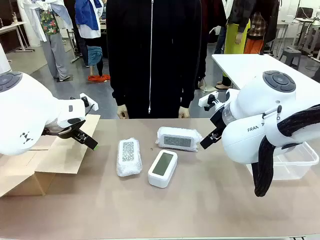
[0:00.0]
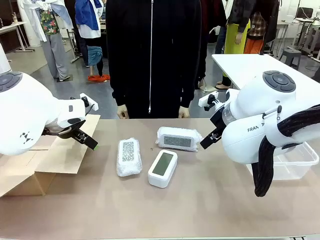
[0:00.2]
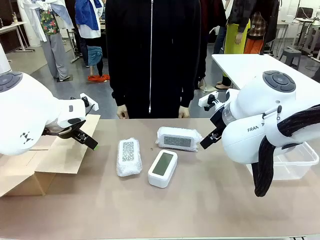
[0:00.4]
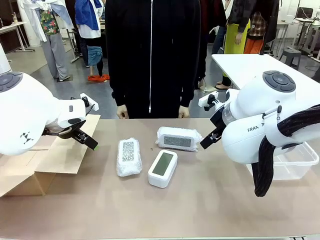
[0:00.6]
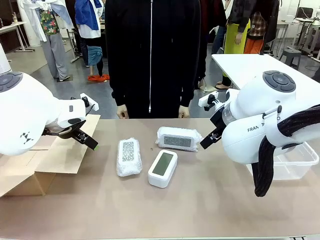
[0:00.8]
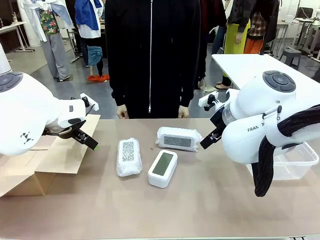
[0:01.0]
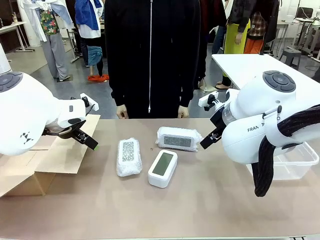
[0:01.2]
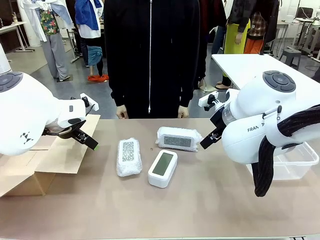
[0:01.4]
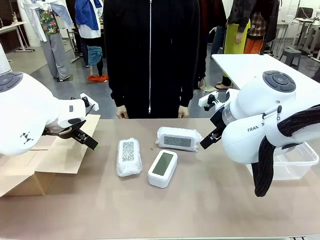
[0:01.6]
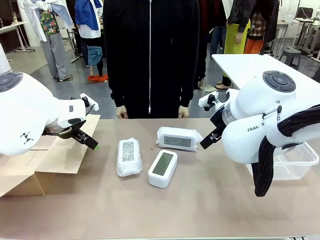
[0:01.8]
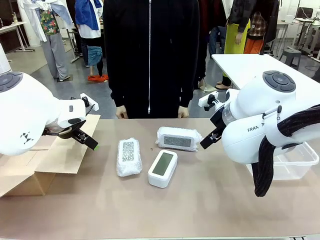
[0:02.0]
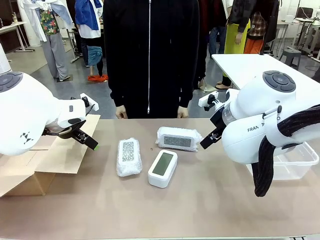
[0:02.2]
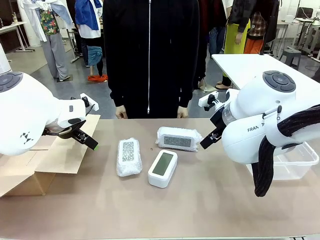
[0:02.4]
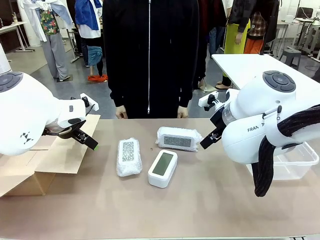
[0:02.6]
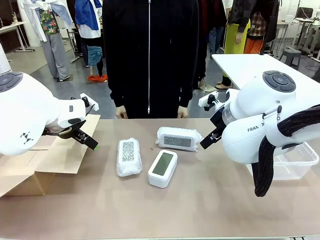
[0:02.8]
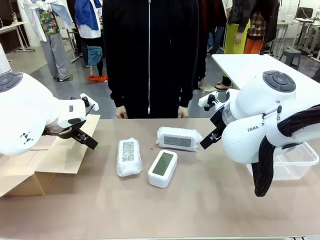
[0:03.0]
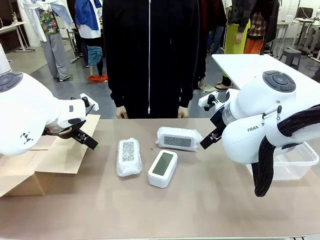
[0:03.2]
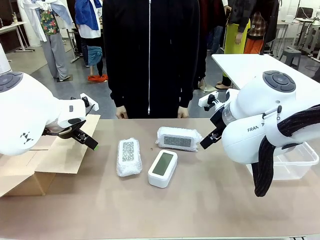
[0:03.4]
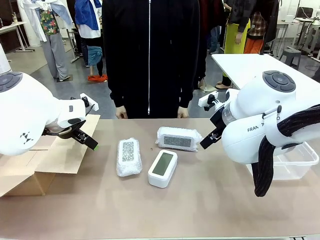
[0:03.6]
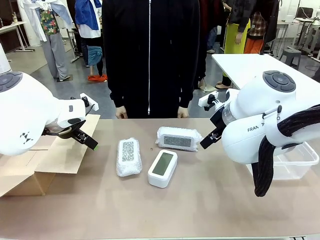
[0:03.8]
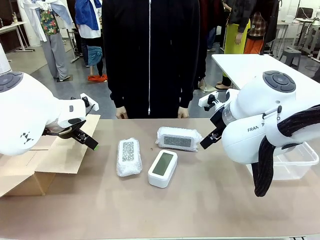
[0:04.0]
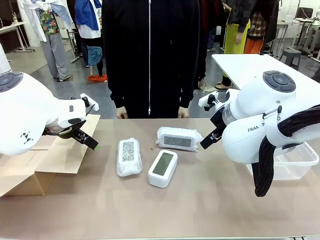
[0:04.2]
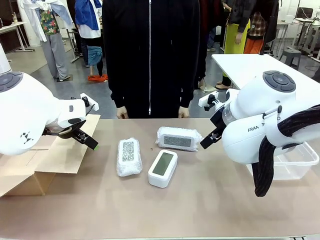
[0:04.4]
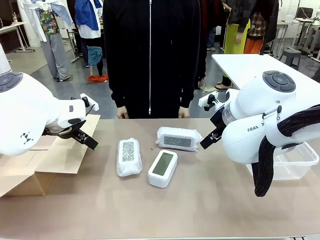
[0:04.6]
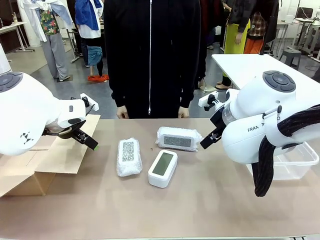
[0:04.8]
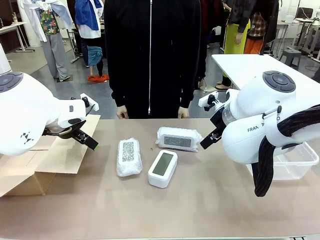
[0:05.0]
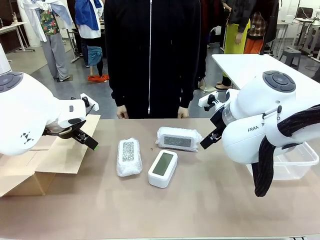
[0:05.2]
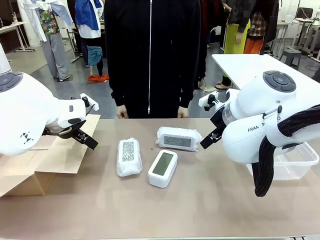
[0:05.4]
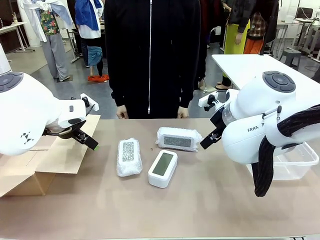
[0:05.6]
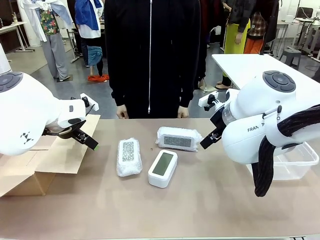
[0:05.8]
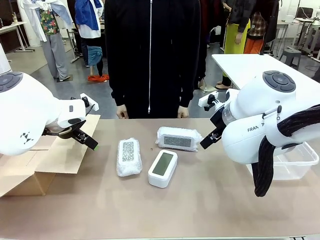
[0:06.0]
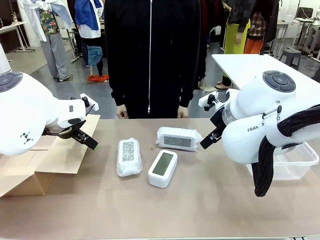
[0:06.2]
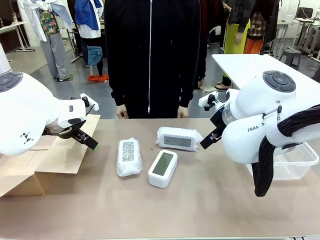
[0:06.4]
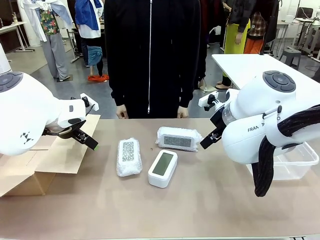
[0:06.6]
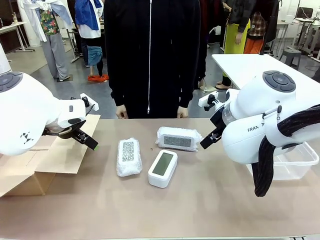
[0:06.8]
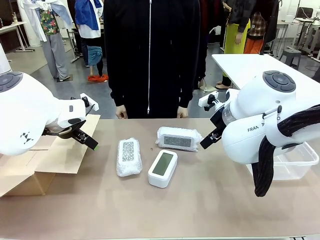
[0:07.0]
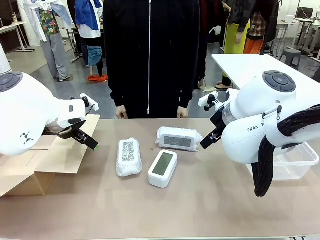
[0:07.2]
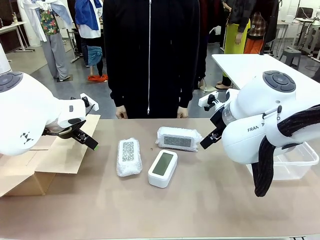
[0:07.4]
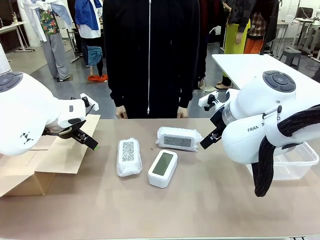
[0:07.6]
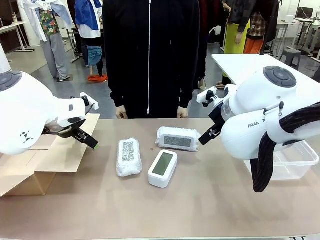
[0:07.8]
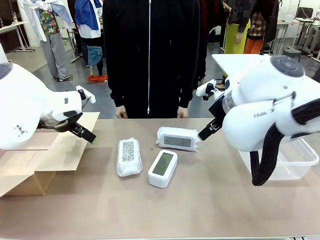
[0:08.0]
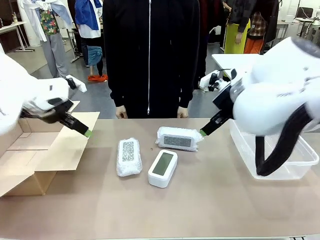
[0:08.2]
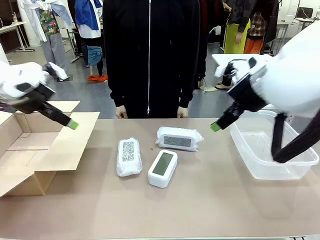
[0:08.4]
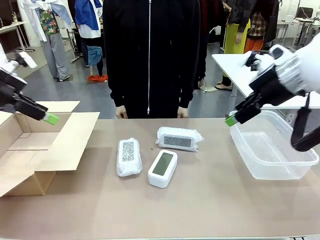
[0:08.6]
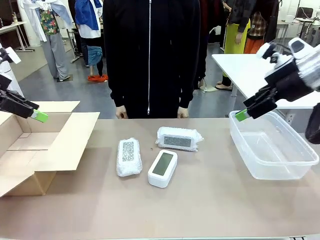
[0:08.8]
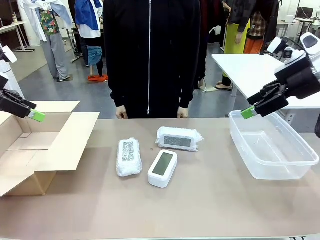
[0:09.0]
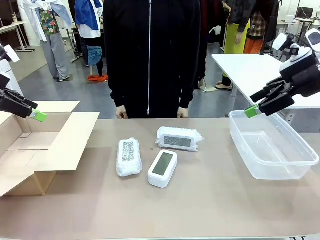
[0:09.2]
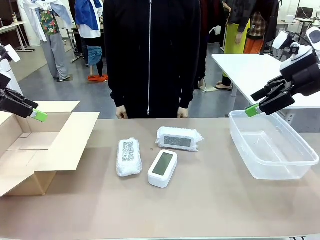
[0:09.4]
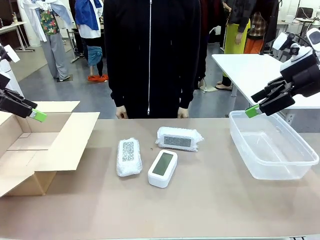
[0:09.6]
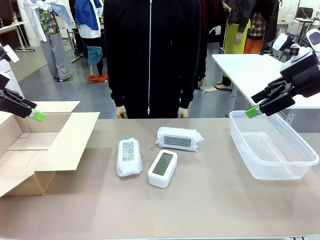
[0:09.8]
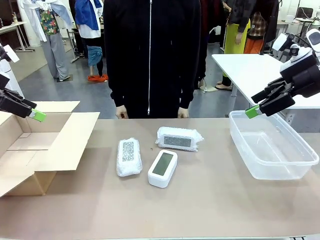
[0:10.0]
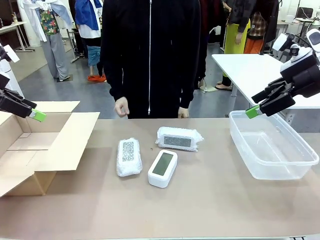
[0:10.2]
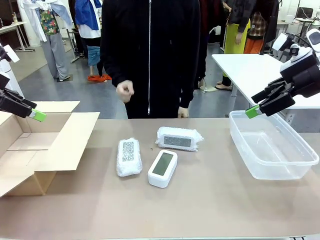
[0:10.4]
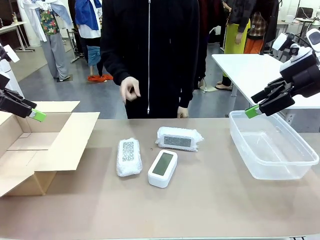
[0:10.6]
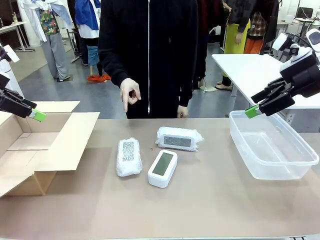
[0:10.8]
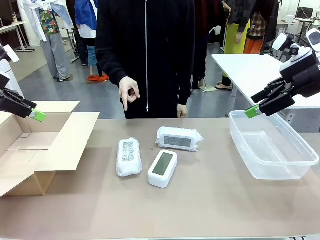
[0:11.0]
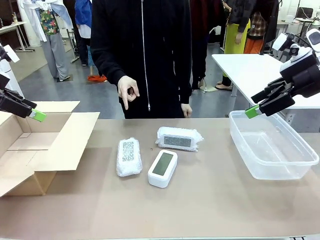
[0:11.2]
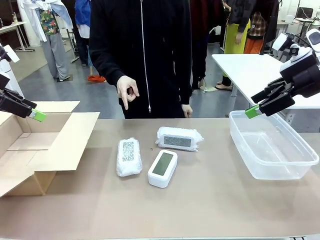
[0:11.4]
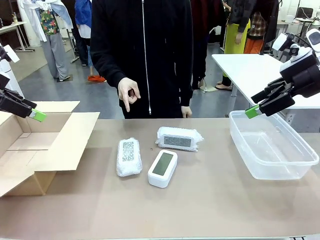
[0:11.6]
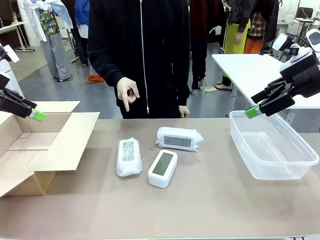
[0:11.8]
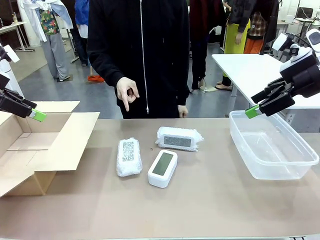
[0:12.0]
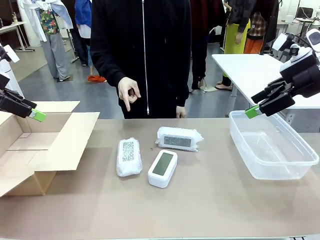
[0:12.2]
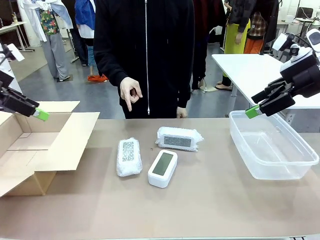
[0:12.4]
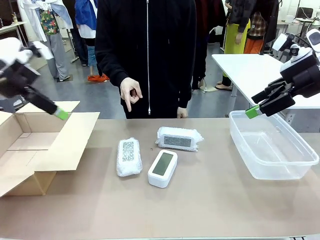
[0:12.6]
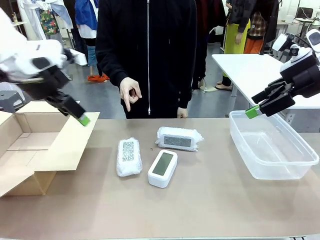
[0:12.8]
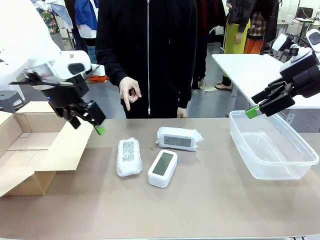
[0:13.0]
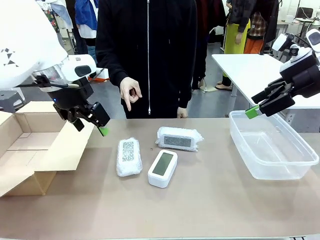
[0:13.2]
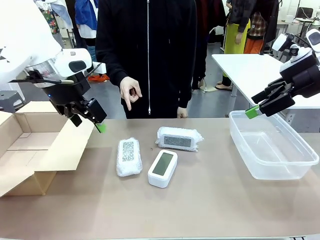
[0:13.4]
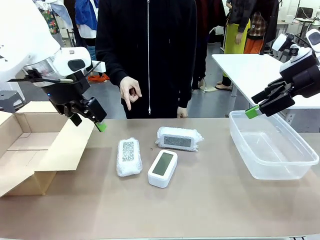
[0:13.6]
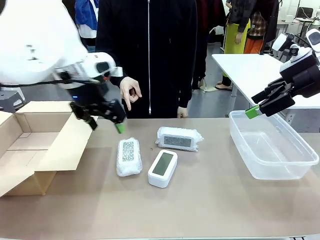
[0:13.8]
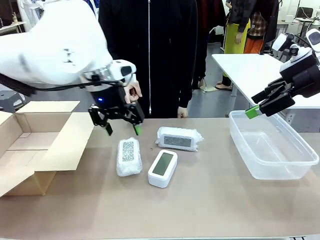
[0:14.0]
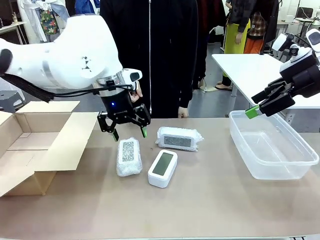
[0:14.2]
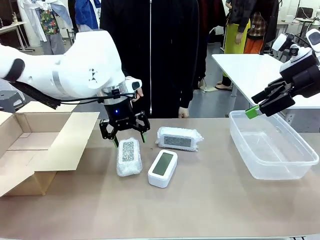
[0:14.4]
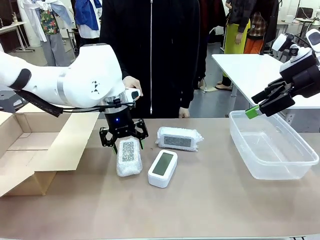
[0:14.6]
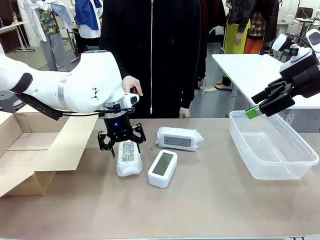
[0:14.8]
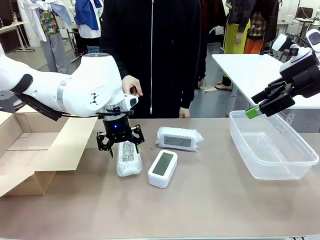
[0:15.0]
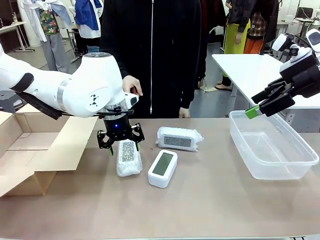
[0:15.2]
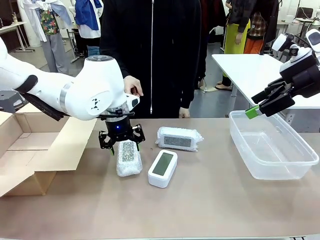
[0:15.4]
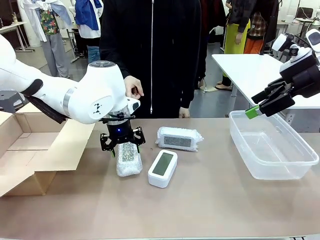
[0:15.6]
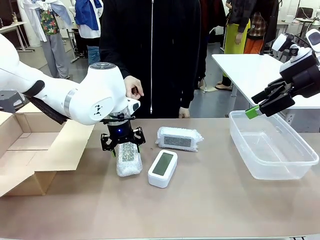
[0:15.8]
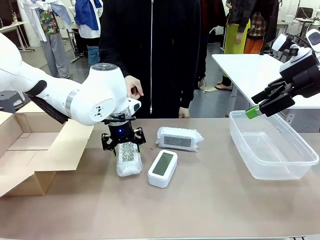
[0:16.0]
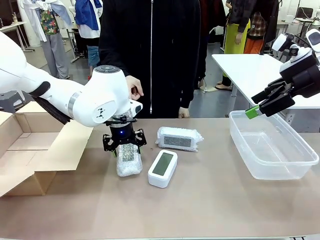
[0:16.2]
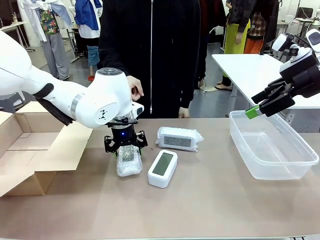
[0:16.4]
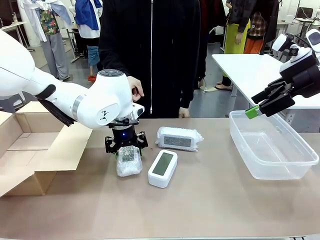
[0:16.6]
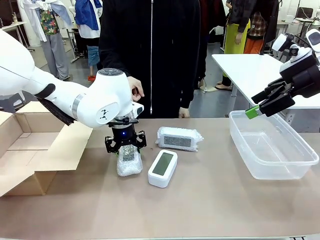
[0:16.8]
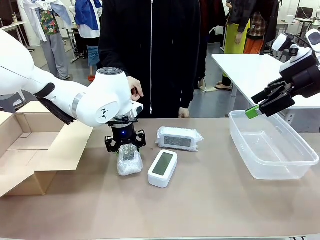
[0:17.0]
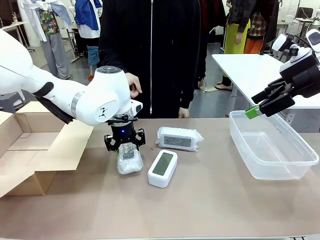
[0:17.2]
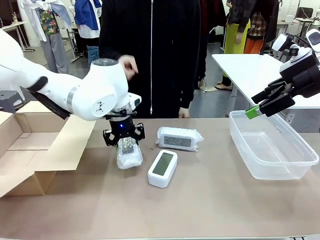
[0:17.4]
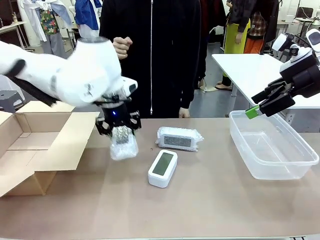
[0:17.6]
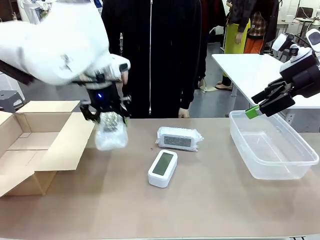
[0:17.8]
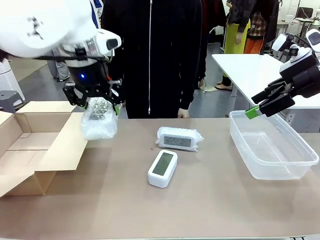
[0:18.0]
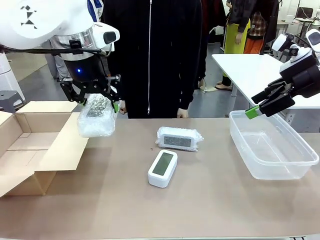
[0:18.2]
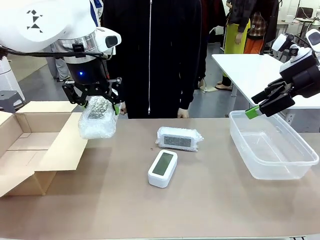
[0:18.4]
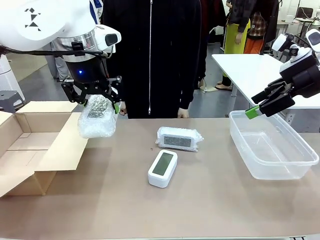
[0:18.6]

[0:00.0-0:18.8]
Task: Separate and place wrapped and unwrapped clocks.
Robot: Pick up the Digital clock indicated by the person.

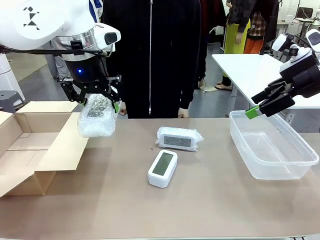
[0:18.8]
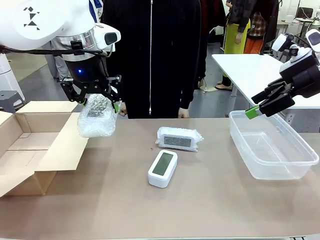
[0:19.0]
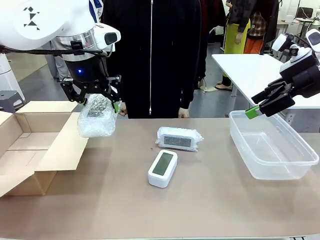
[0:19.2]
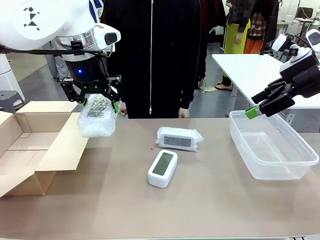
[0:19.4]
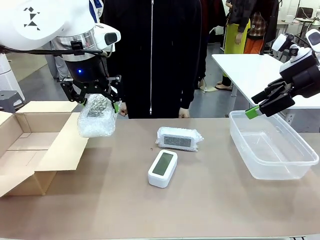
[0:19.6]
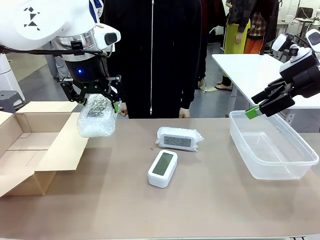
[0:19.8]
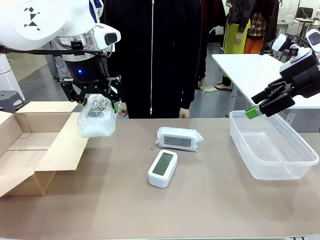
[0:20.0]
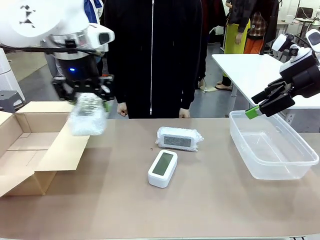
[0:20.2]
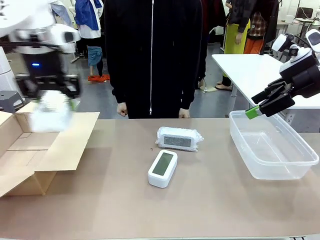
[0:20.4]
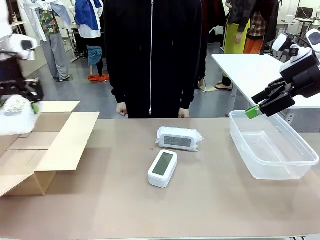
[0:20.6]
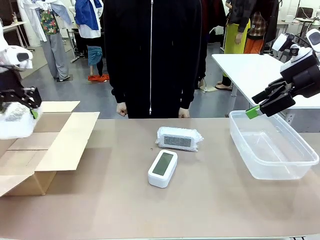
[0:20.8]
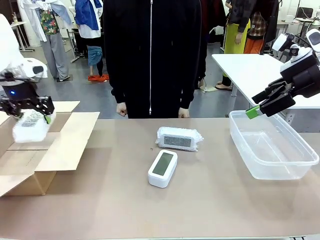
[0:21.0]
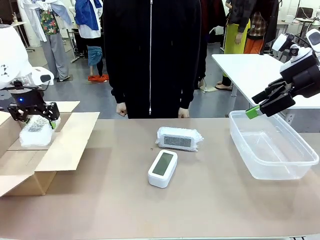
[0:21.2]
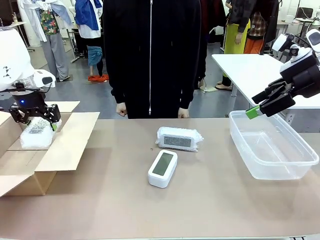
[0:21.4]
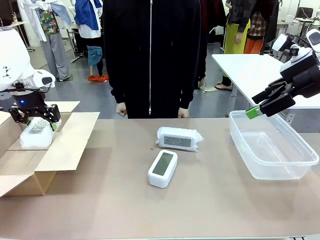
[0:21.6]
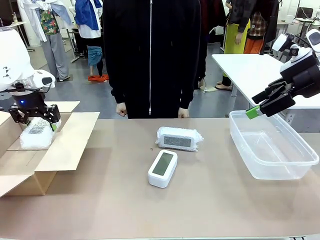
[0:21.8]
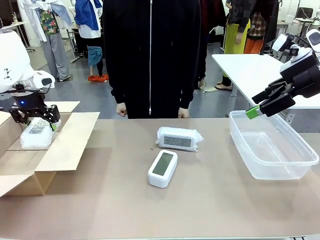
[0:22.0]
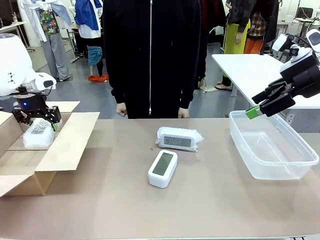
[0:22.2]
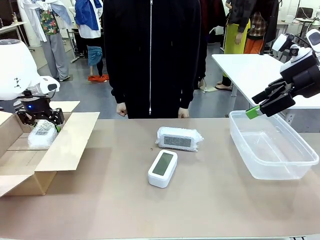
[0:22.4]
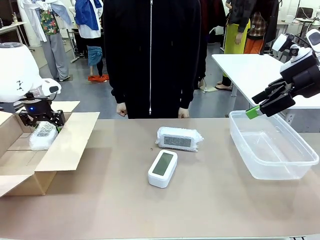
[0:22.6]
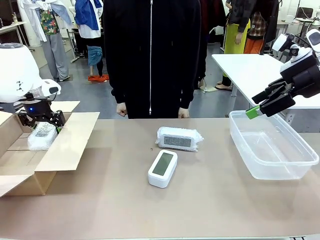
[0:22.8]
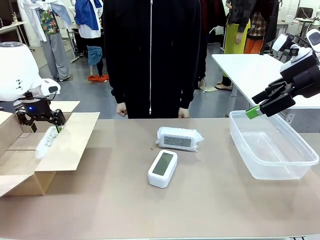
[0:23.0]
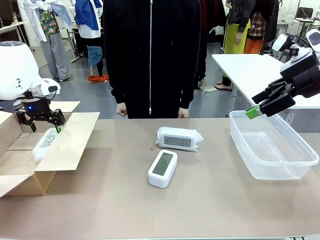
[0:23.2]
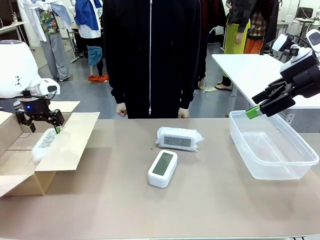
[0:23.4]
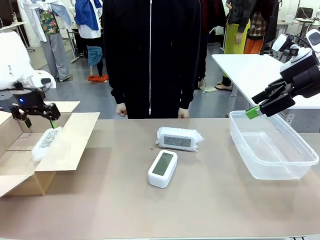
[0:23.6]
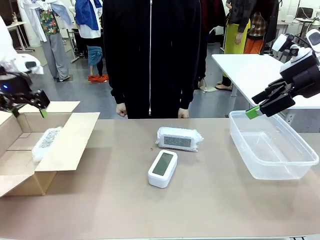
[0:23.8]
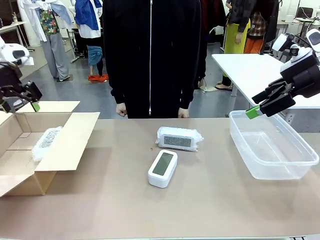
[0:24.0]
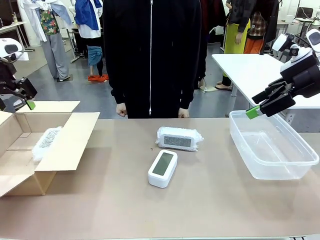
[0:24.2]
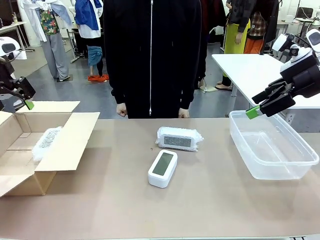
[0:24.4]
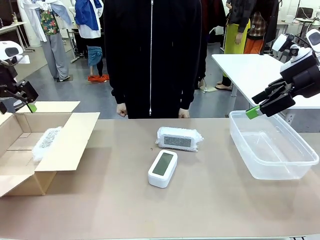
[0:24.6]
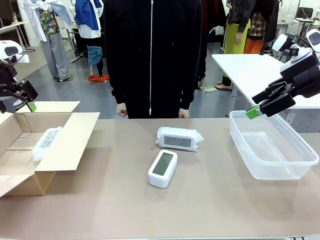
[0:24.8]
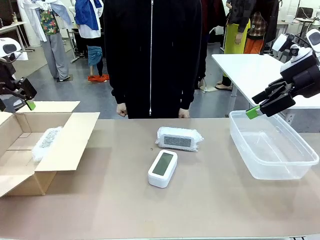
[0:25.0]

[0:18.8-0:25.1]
Robot: If the picked Digital clock is wrapped, place it in the Package Box ; if not, place it in the Organizing box.
